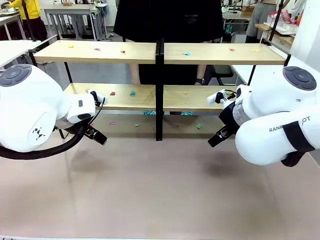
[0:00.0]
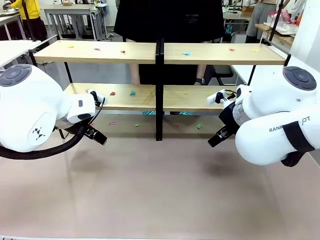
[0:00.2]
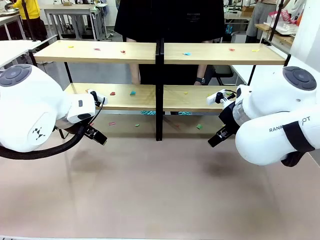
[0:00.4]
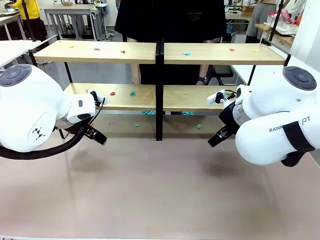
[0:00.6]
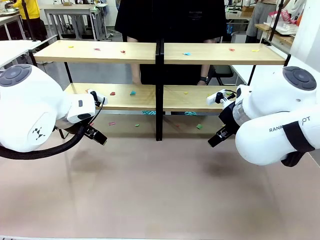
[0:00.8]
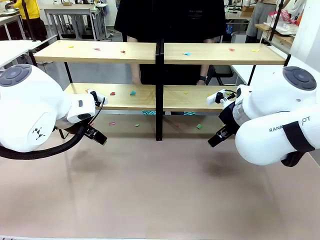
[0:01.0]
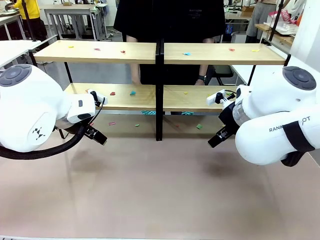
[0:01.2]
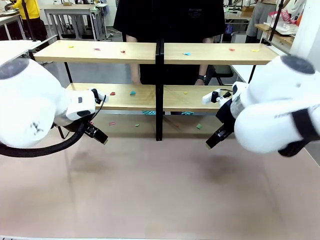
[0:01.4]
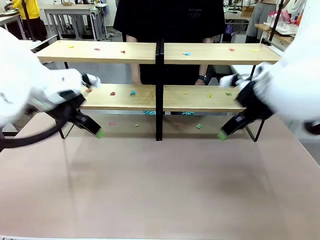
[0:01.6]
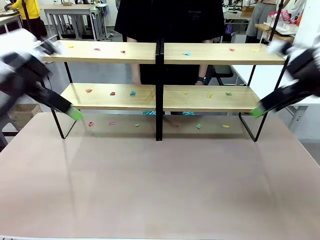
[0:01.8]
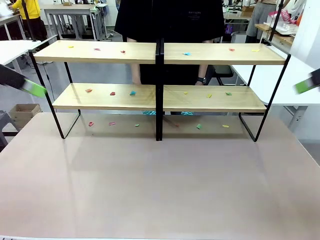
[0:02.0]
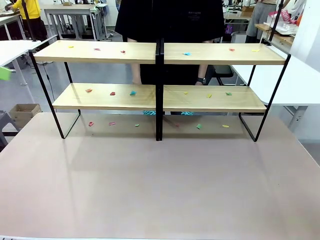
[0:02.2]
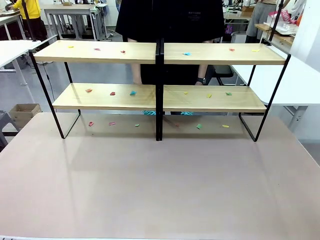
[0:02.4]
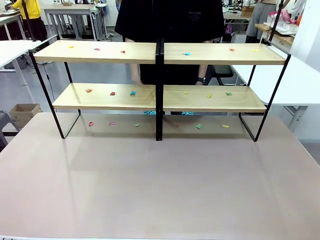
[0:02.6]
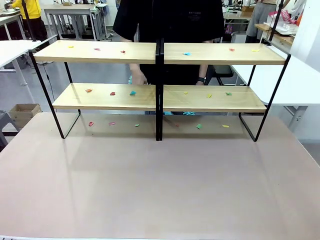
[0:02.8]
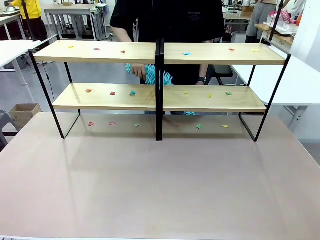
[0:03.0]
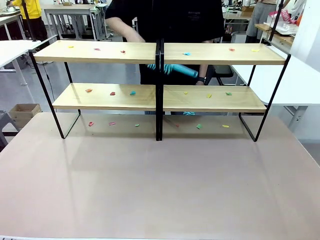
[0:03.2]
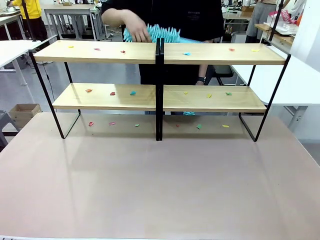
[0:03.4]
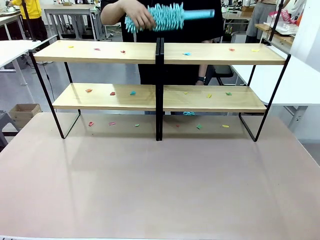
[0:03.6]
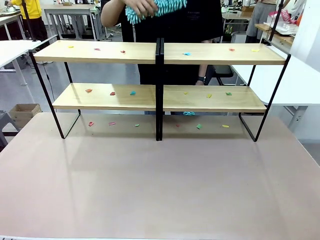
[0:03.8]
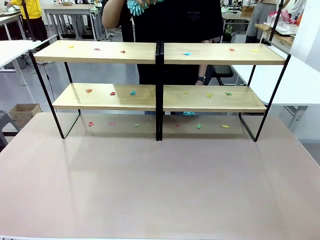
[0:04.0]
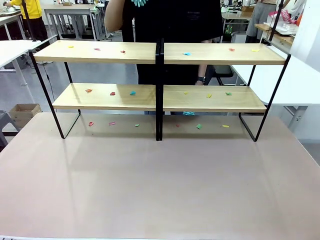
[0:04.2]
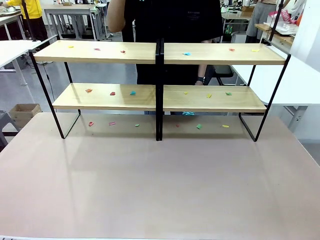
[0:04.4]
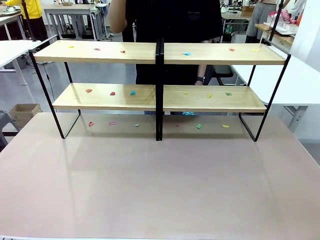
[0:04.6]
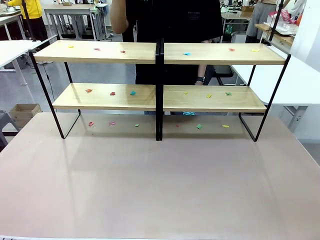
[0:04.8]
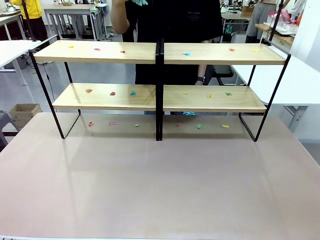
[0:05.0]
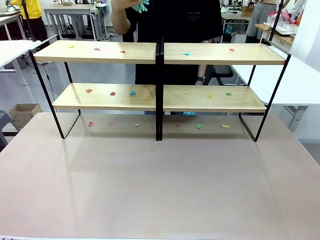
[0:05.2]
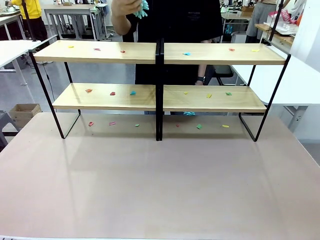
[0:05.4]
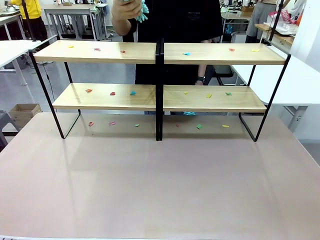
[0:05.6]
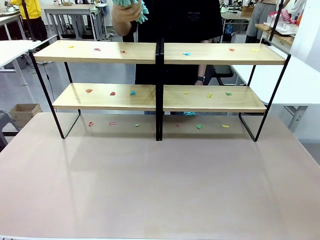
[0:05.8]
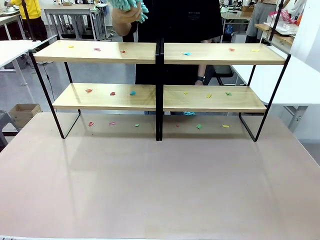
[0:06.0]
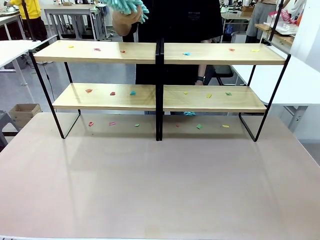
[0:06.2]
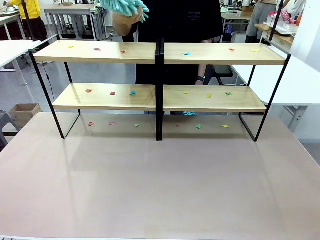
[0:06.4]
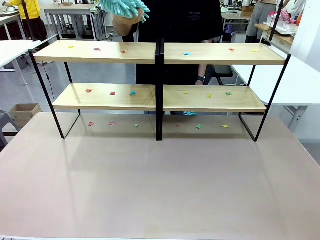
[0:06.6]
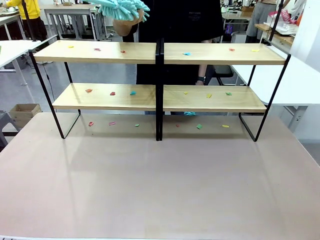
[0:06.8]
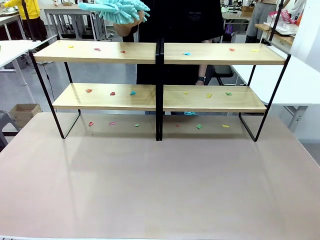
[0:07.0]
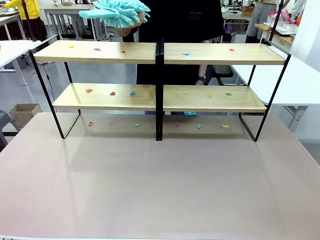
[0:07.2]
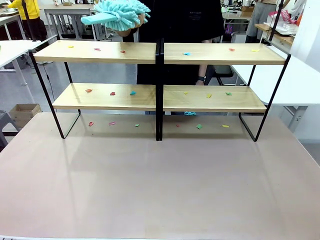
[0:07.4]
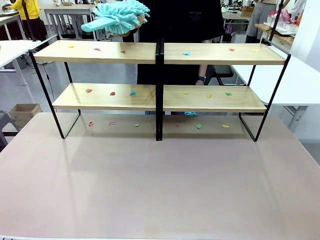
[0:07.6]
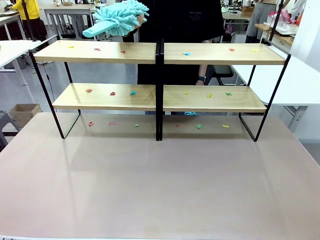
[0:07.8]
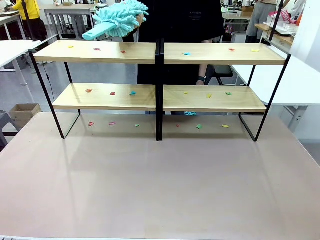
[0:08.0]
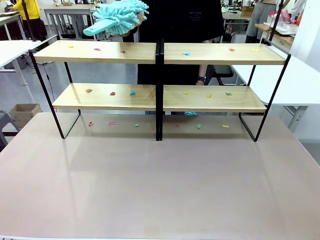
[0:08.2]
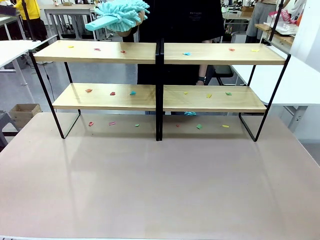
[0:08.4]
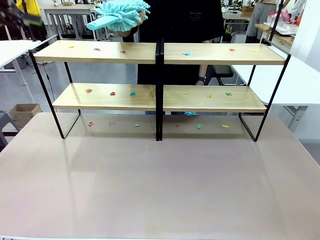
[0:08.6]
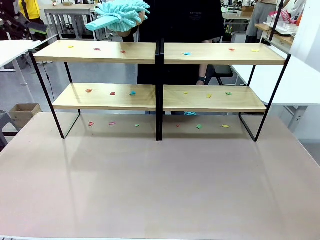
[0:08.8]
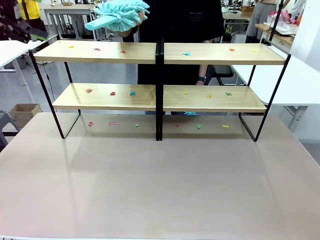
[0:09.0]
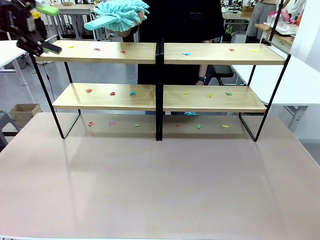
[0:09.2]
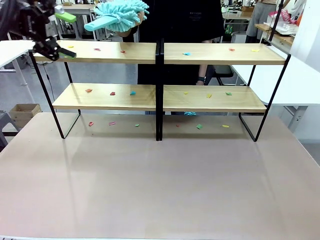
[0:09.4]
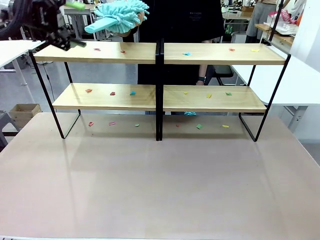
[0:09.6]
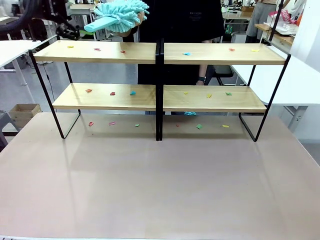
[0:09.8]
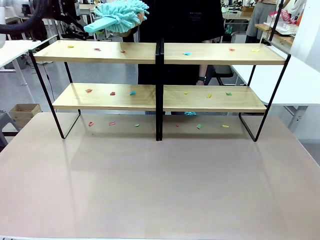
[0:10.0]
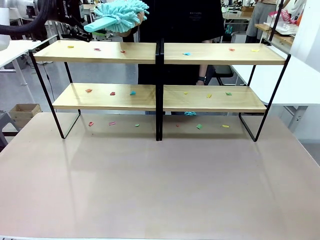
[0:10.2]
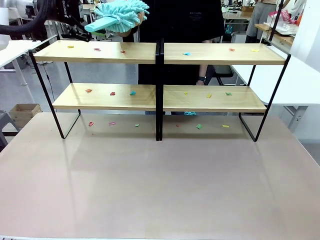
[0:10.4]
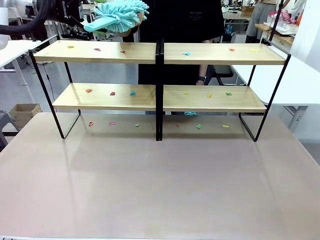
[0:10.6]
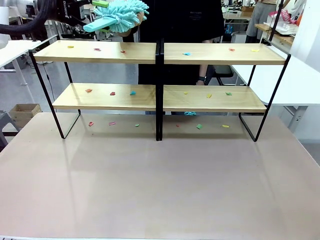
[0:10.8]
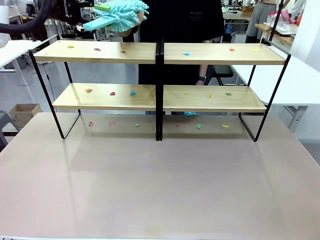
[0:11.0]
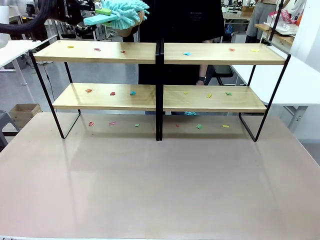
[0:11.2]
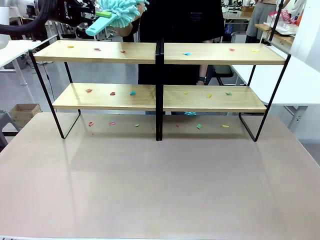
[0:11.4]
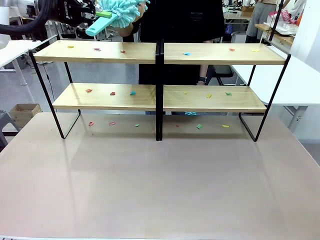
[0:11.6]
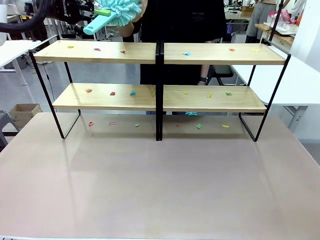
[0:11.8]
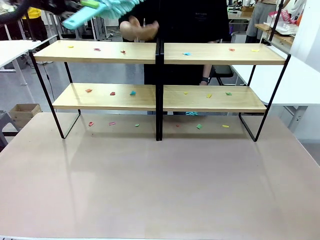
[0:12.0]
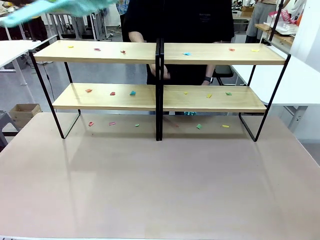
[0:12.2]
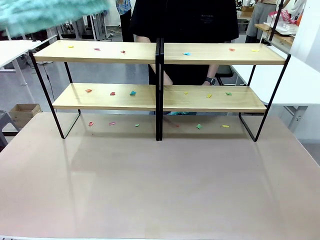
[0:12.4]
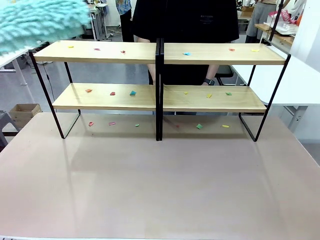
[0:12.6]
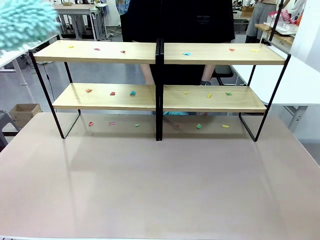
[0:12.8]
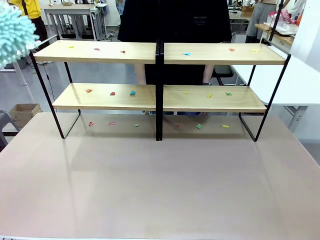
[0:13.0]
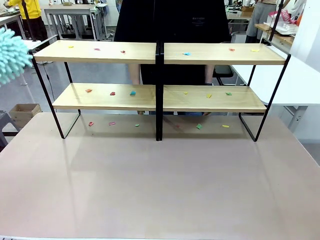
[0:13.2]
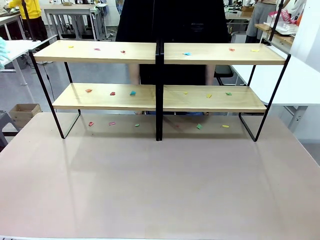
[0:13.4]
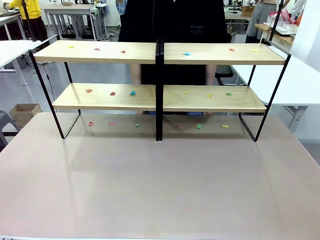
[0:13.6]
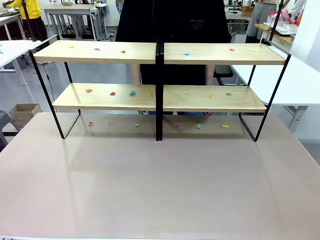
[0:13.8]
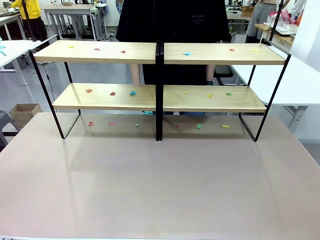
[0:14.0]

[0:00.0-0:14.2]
Task: Clean the shelves.
Robot: Pick up the Duster when the human hands it over.
Person: Hand the Duster to the robot with your right (or left) hand.
